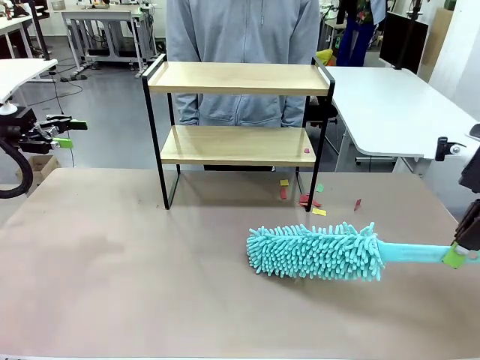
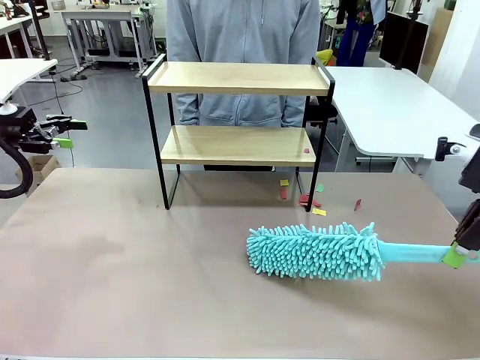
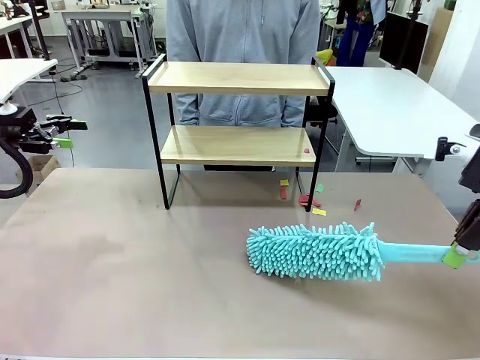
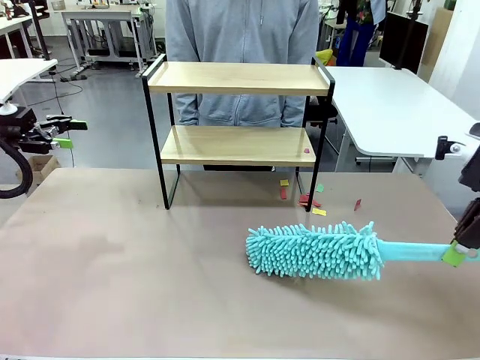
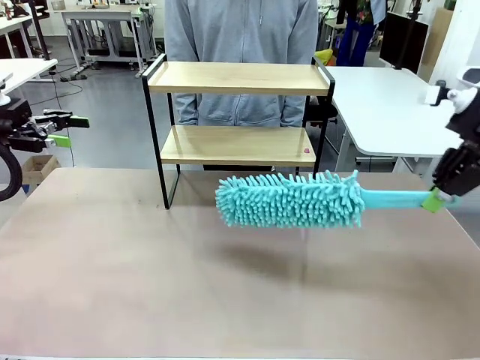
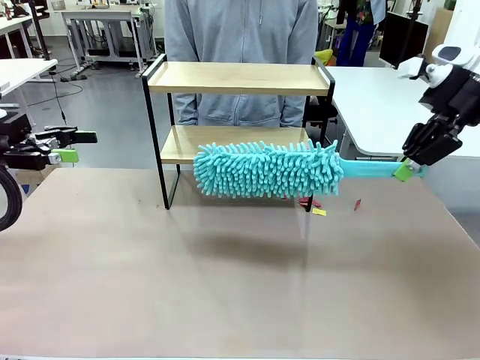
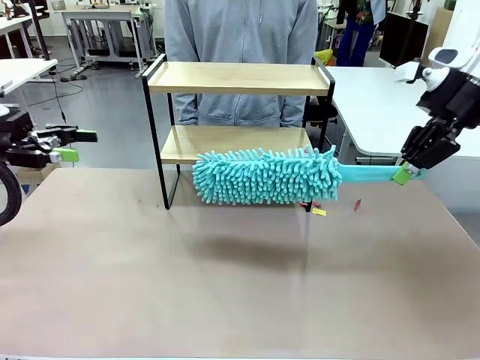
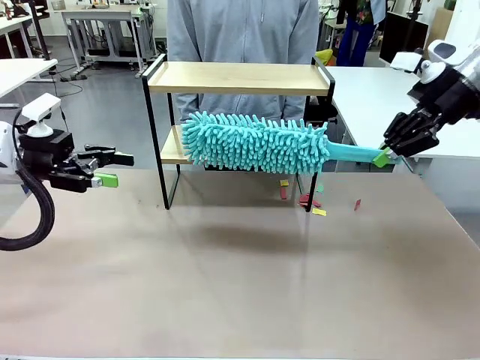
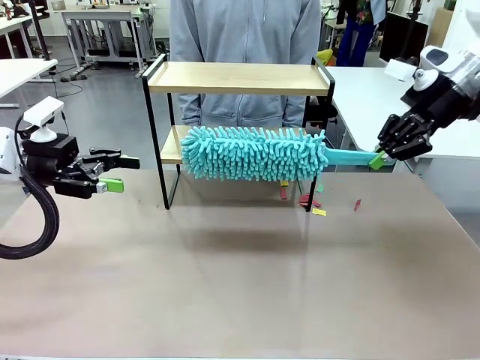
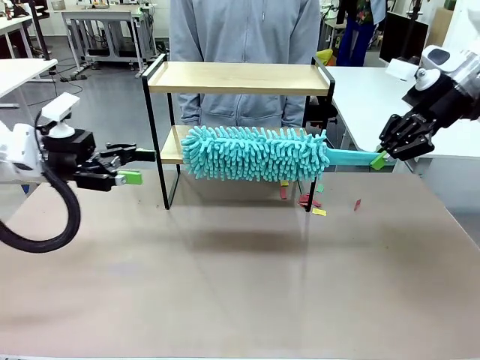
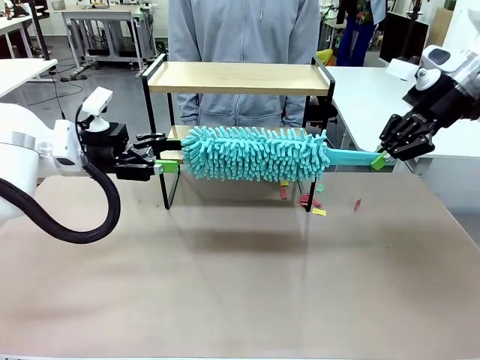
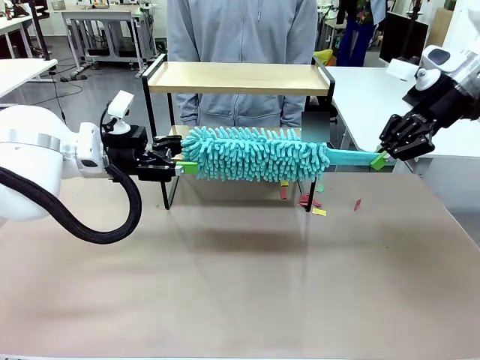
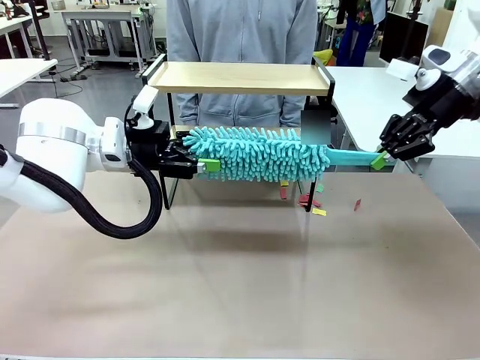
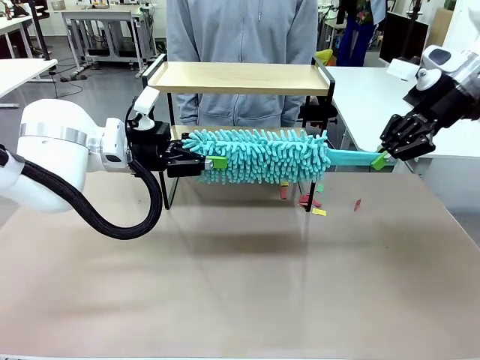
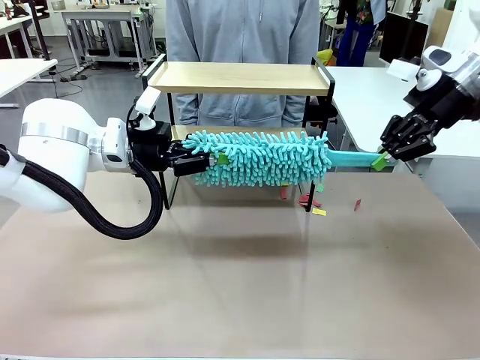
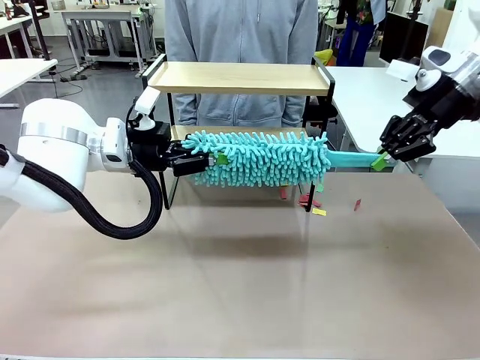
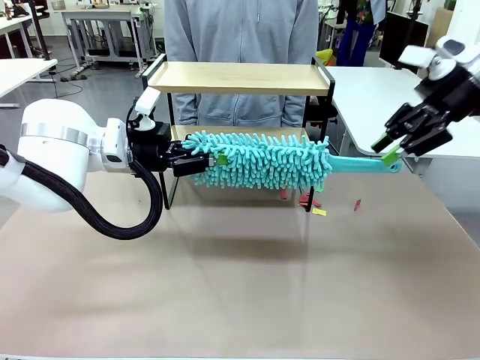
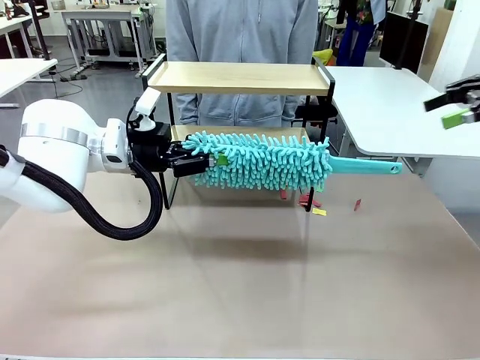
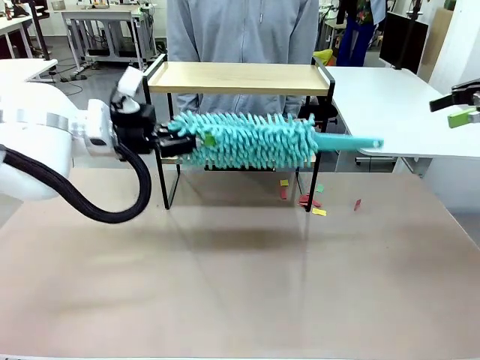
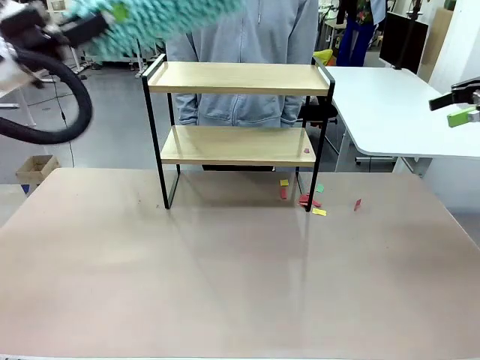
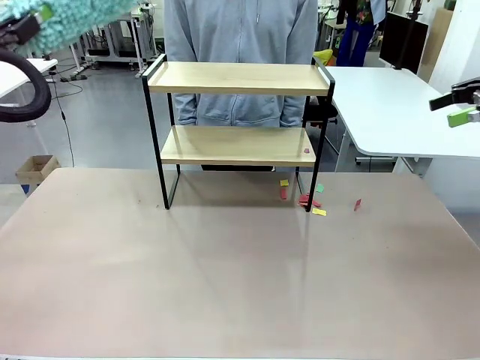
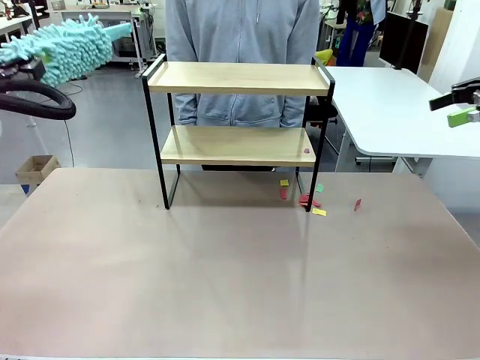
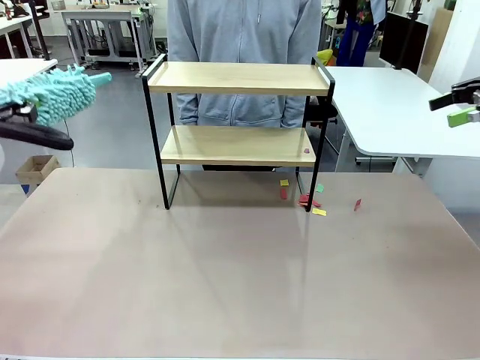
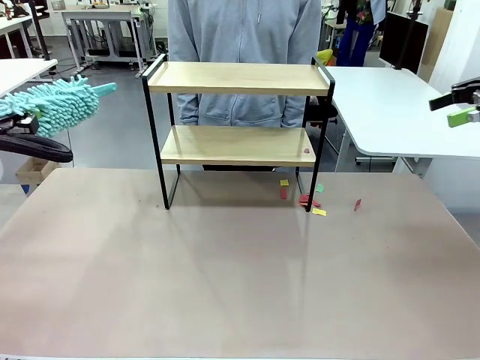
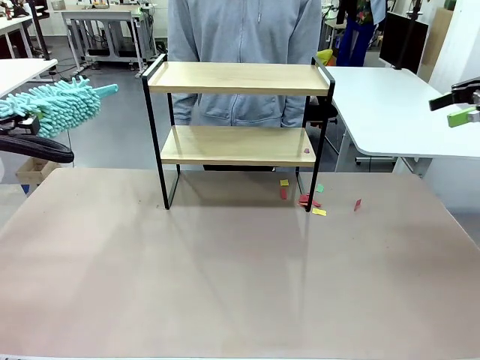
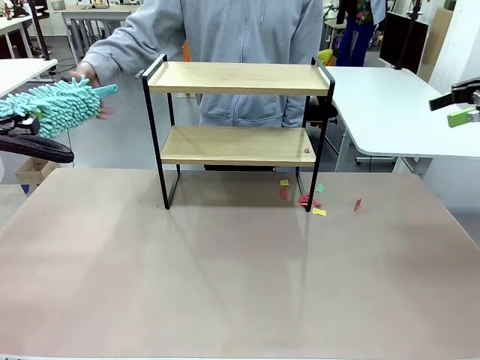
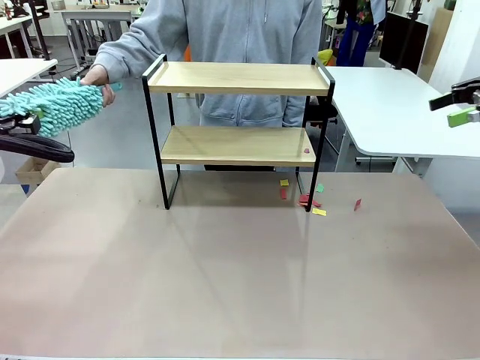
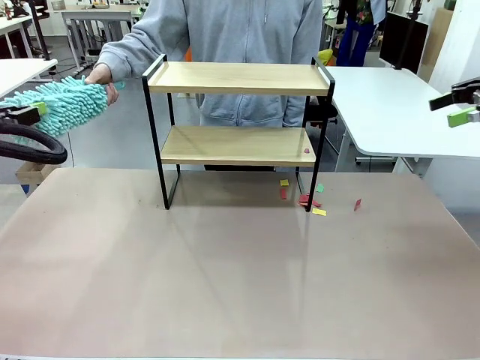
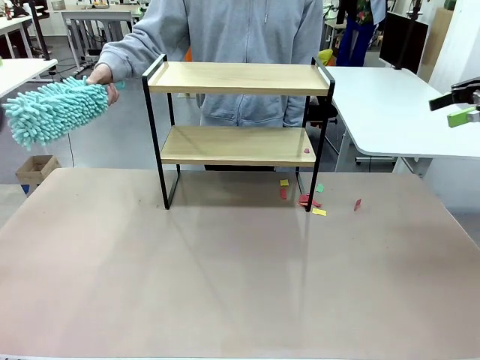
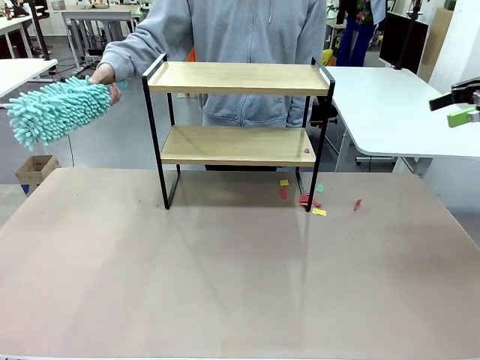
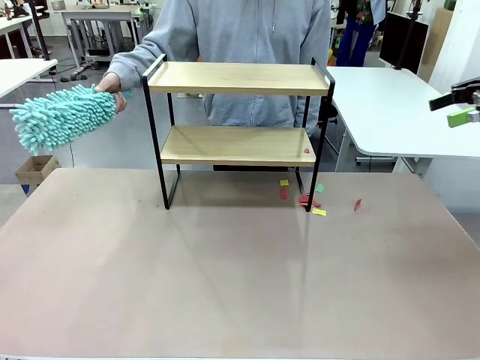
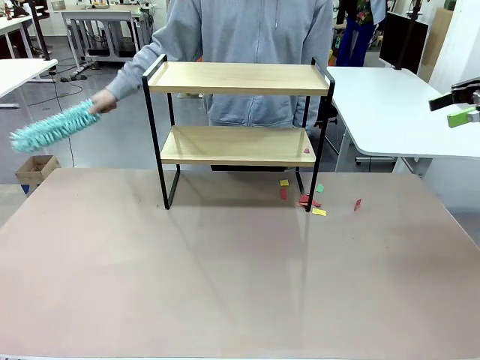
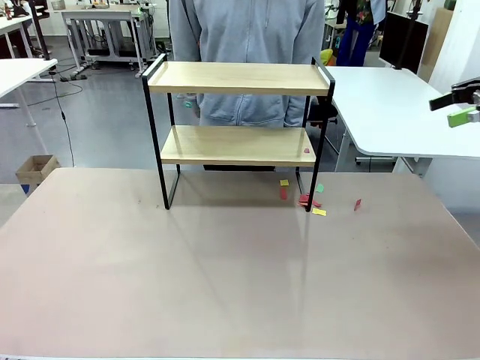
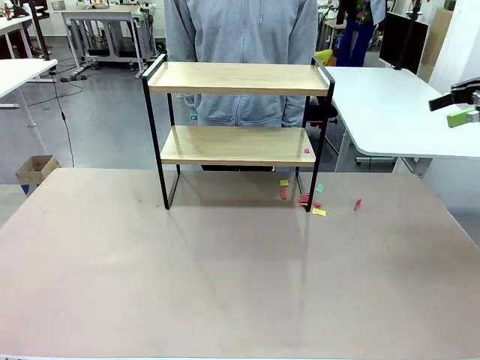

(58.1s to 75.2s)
Task: Clean the shelf.
Robot: Hand the Duster back to the human.
Person: Receive the Duster from the robot.

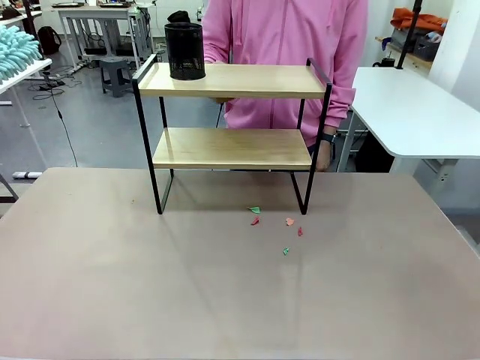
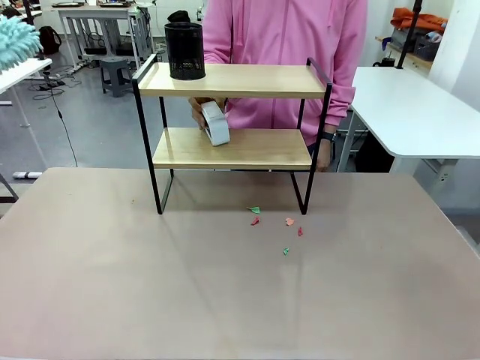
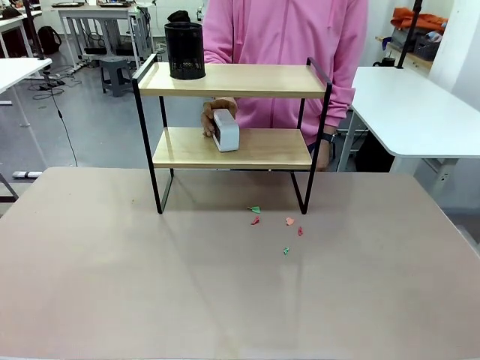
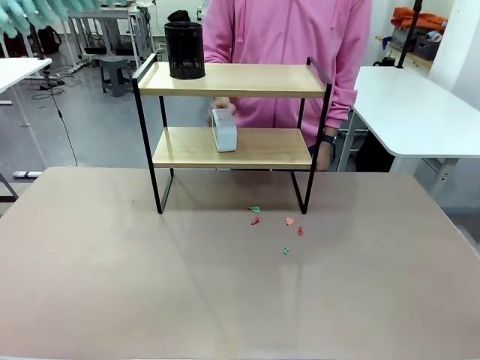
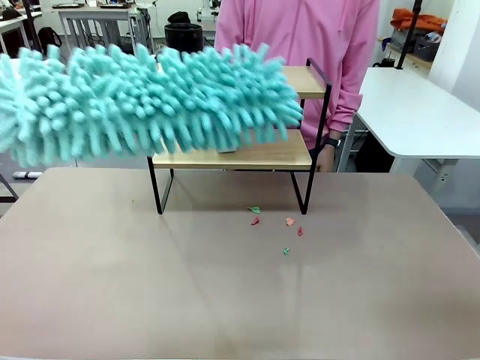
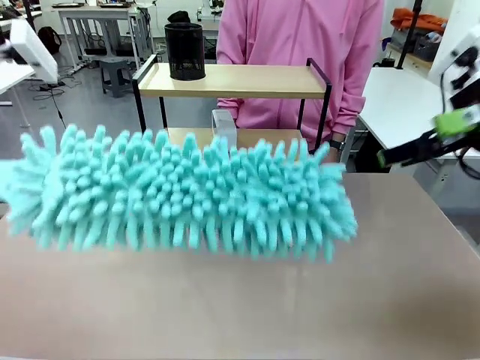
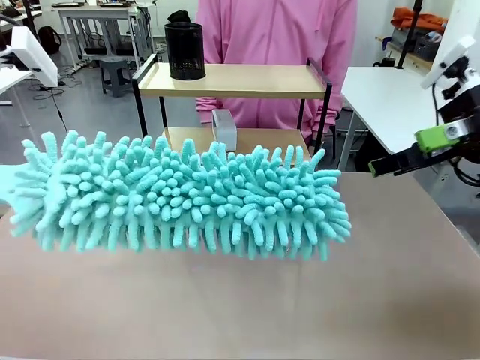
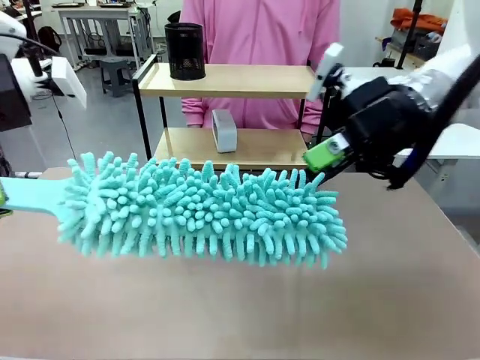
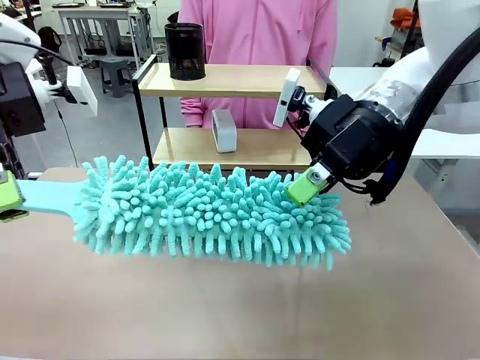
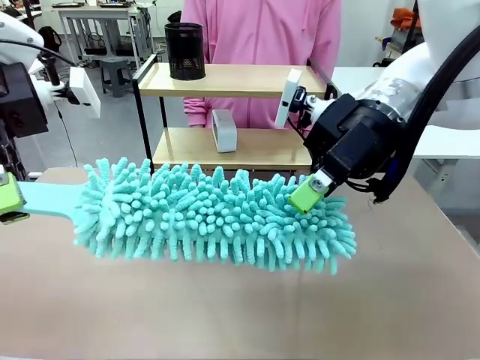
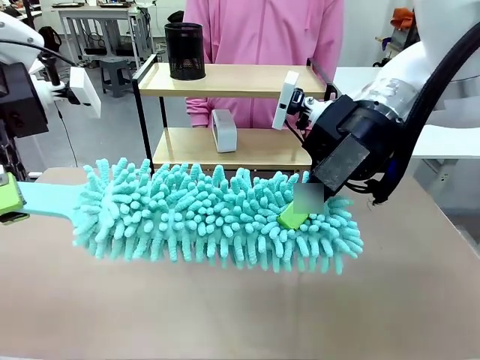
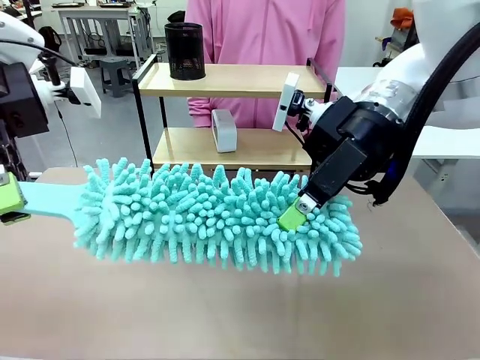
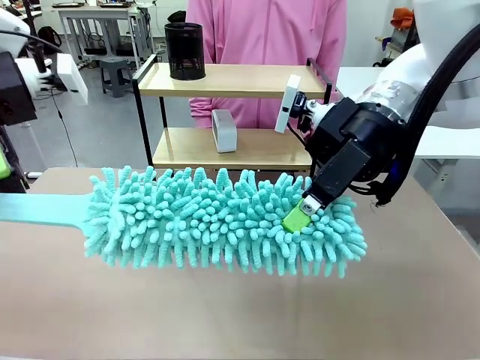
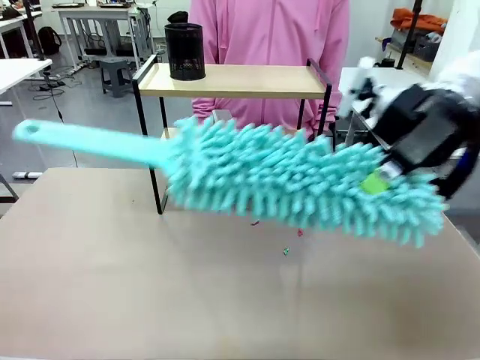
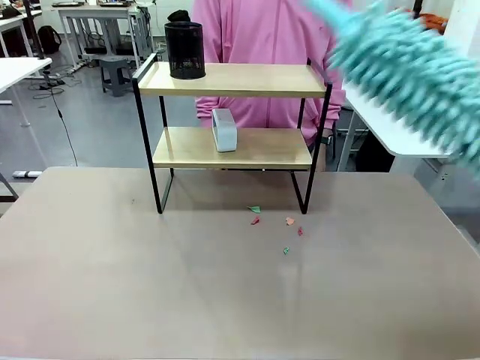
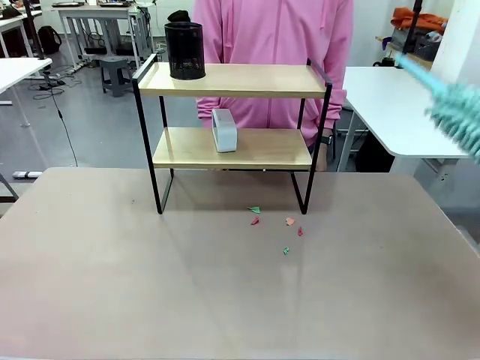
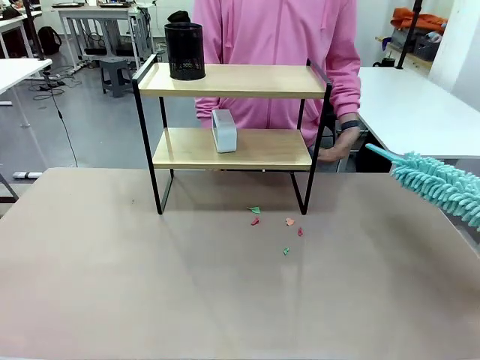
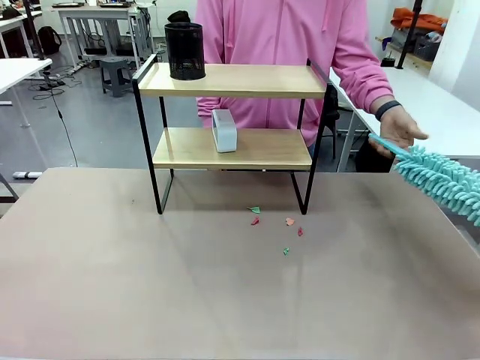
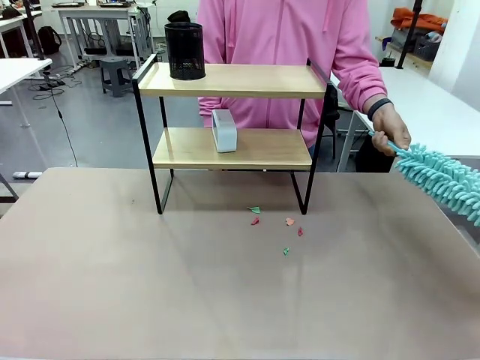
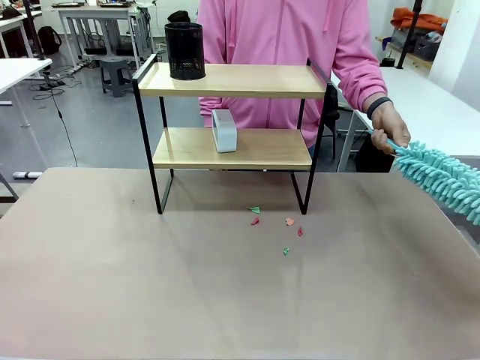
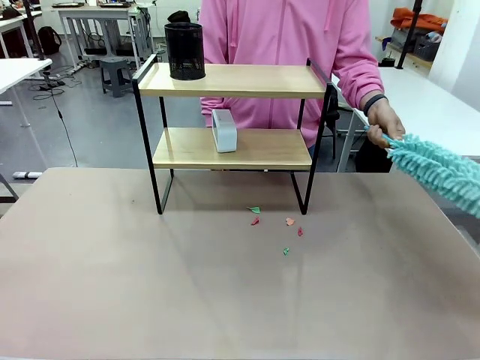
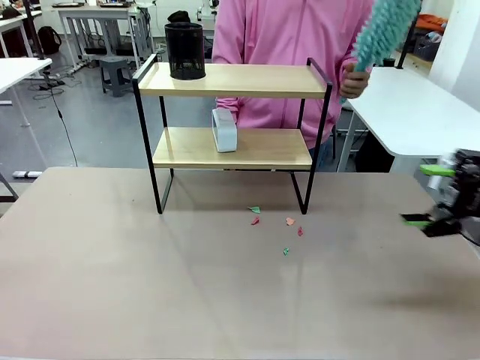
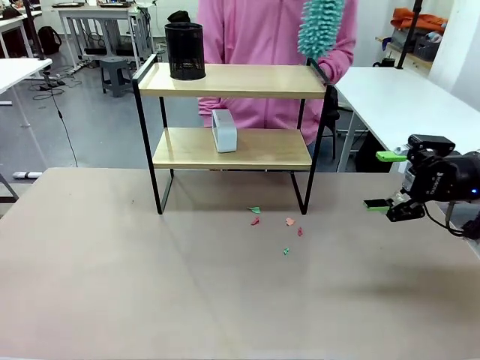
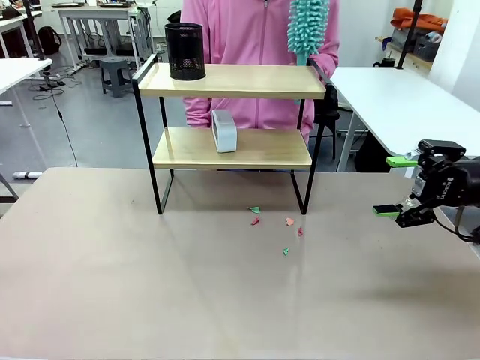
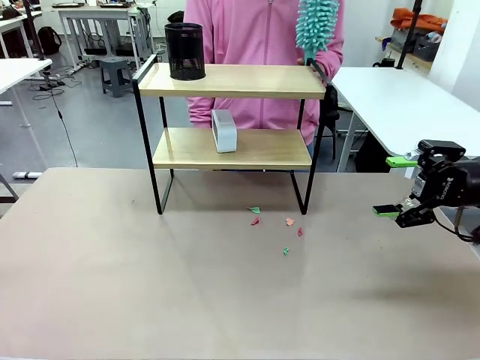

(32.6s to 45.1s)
Task: Clean the shelf.
Robot: Hand the Duster back to the human.
Person: Receive the Duster from the robot.
